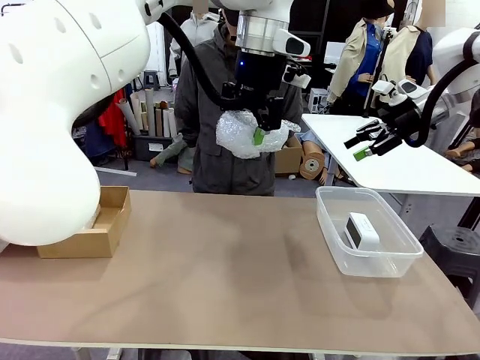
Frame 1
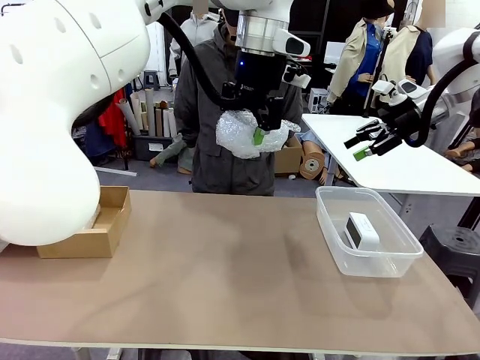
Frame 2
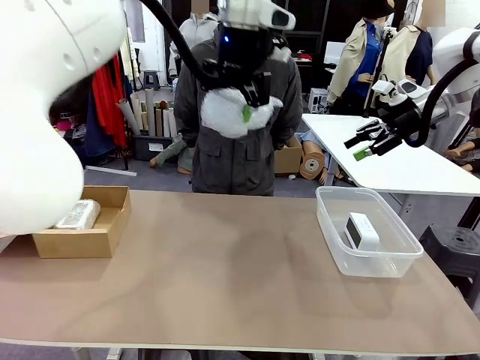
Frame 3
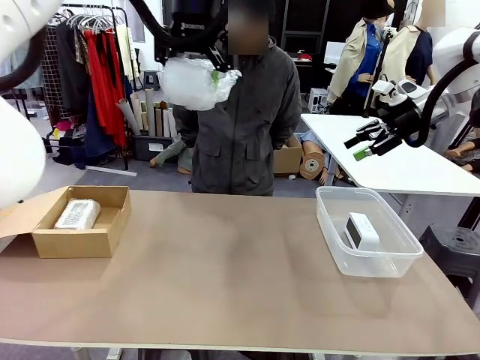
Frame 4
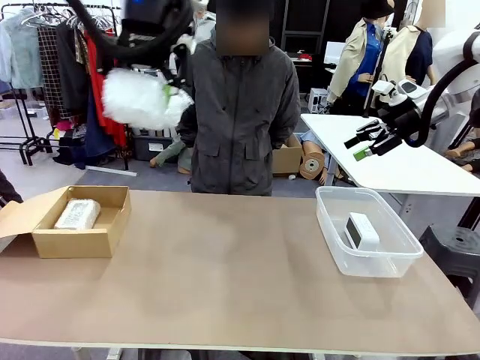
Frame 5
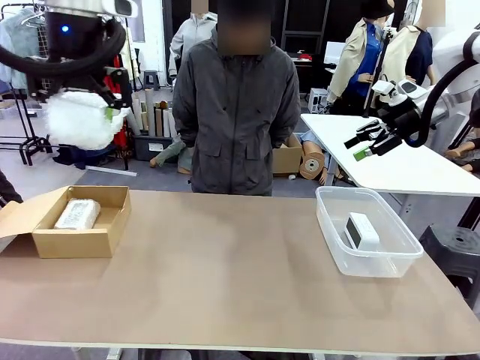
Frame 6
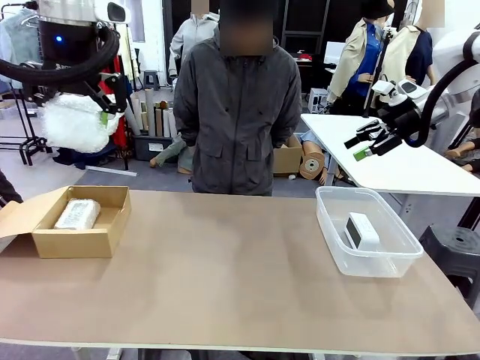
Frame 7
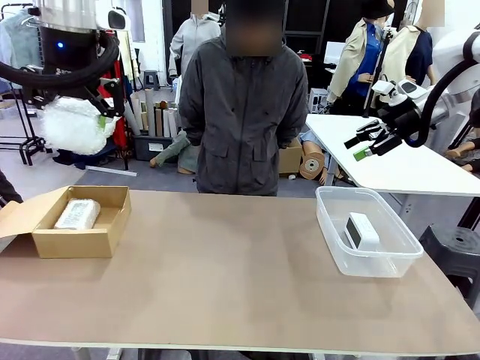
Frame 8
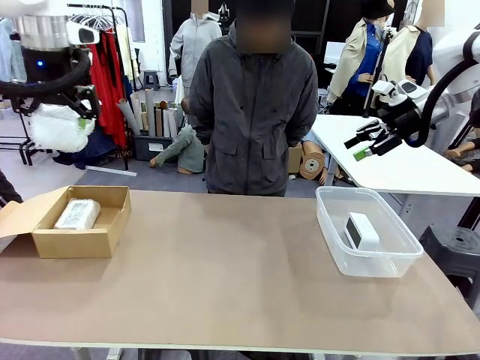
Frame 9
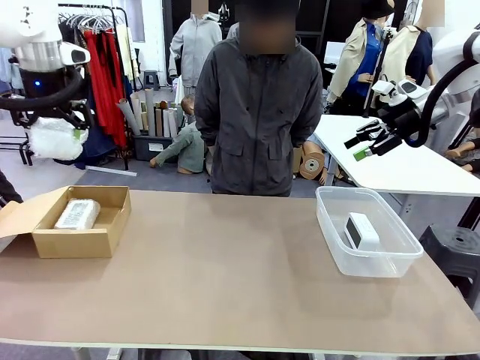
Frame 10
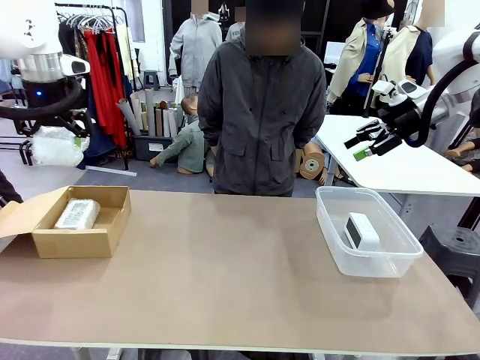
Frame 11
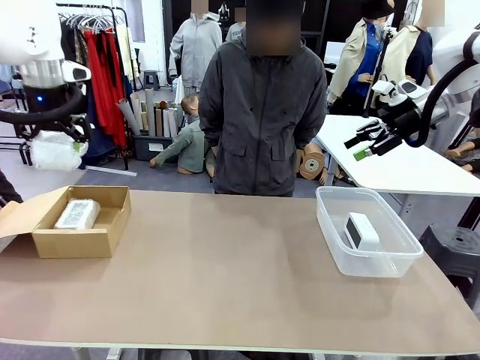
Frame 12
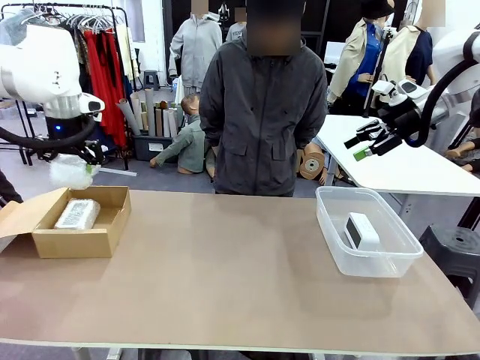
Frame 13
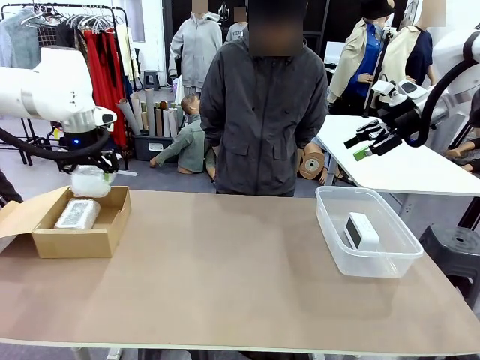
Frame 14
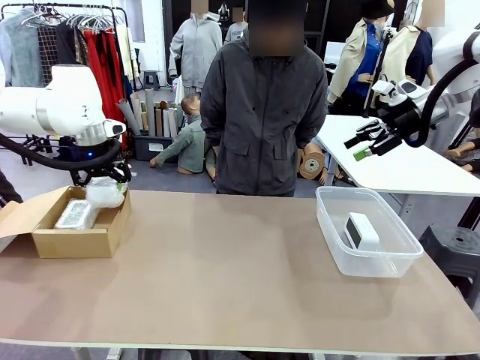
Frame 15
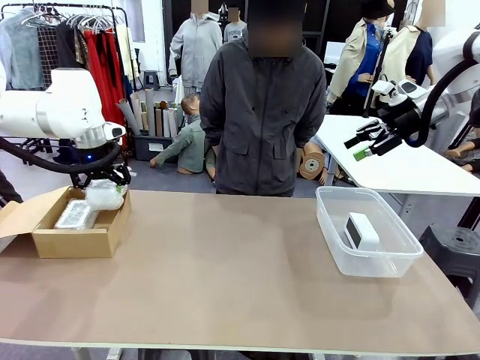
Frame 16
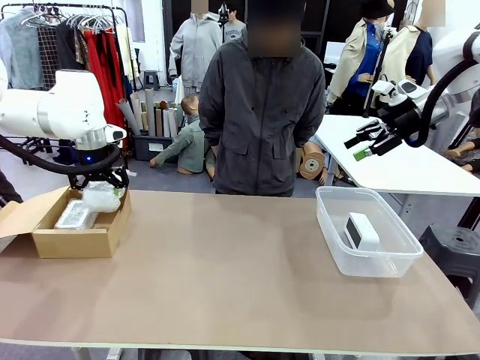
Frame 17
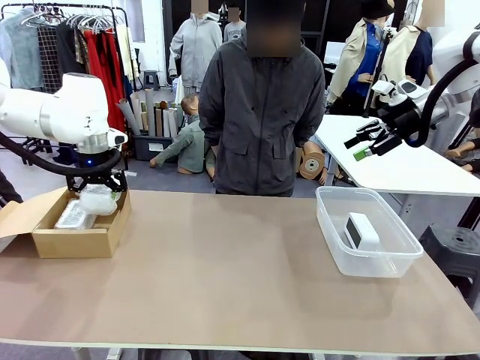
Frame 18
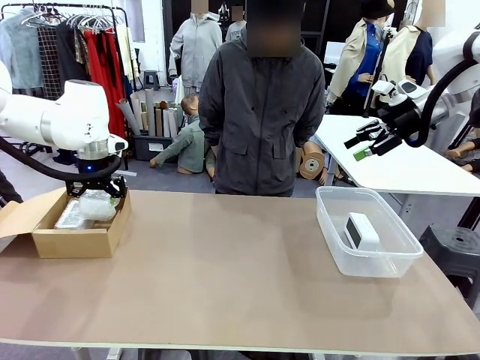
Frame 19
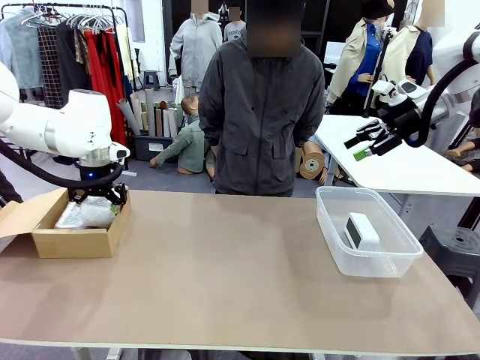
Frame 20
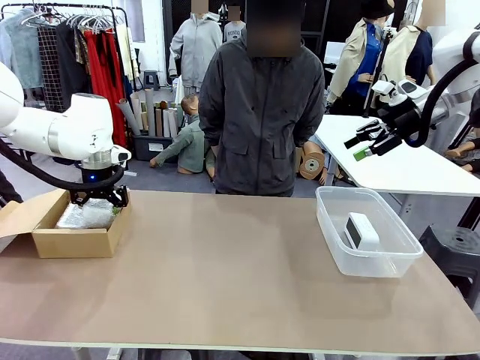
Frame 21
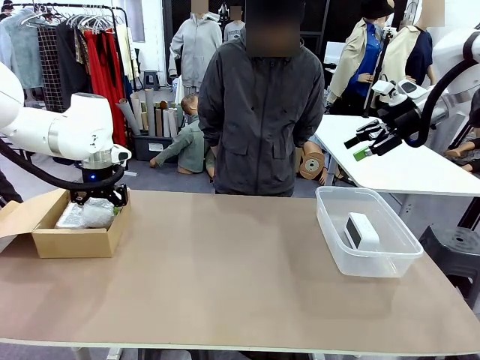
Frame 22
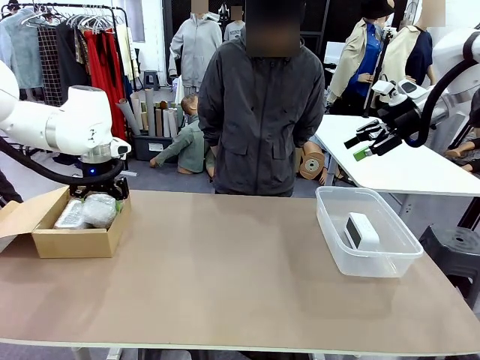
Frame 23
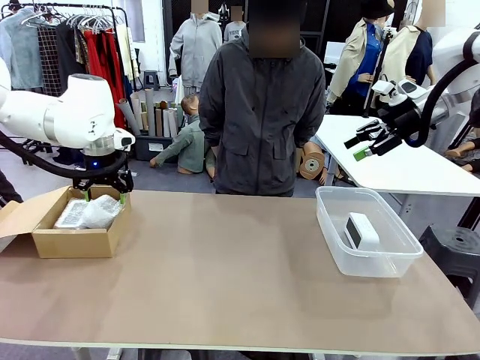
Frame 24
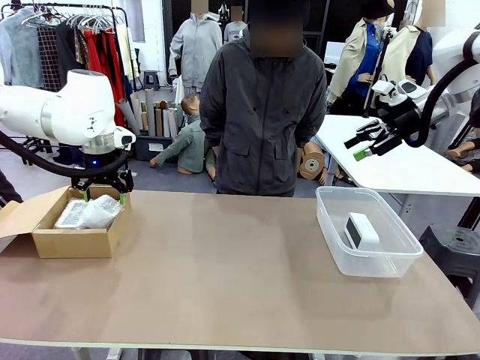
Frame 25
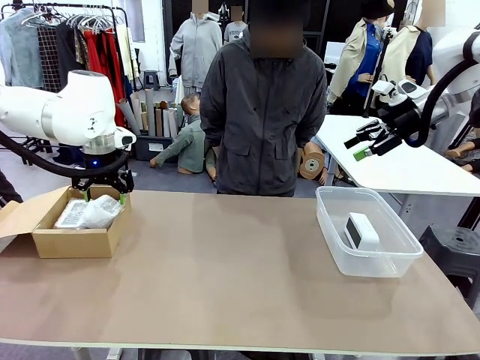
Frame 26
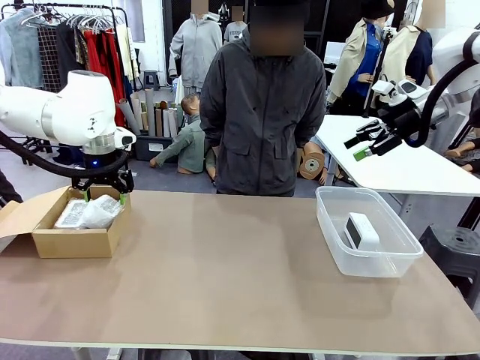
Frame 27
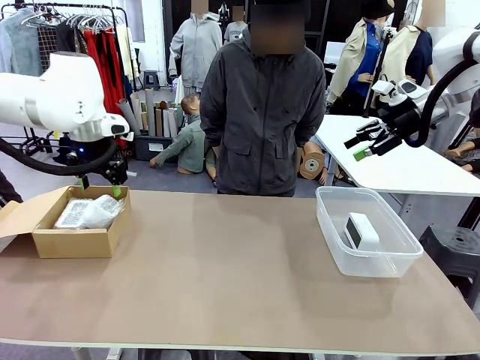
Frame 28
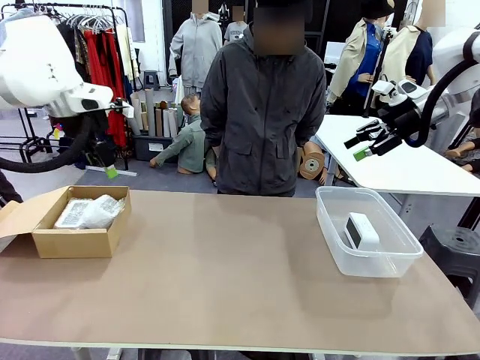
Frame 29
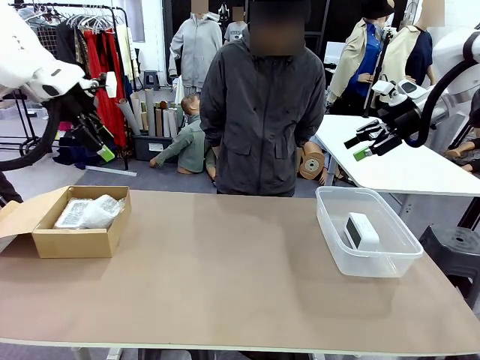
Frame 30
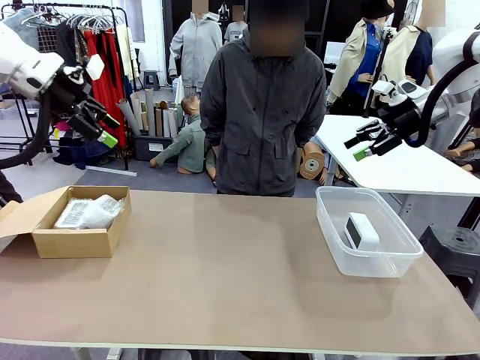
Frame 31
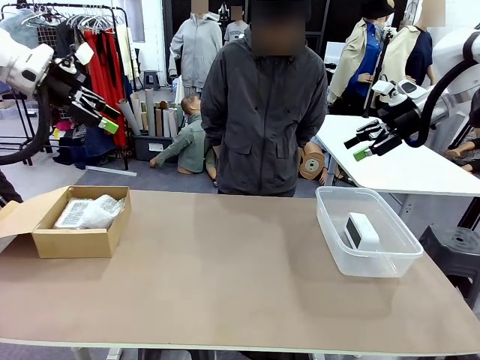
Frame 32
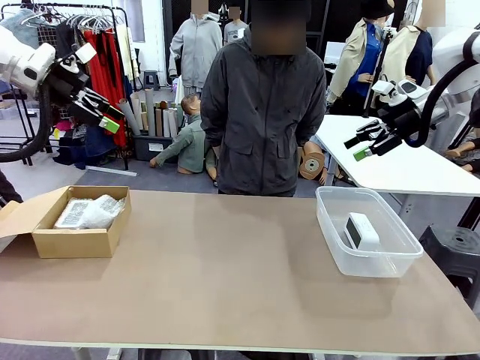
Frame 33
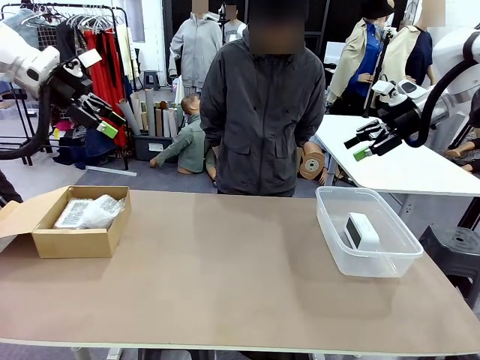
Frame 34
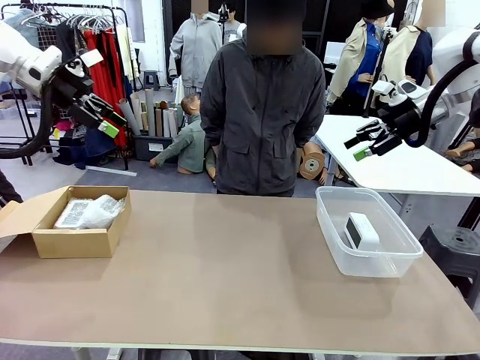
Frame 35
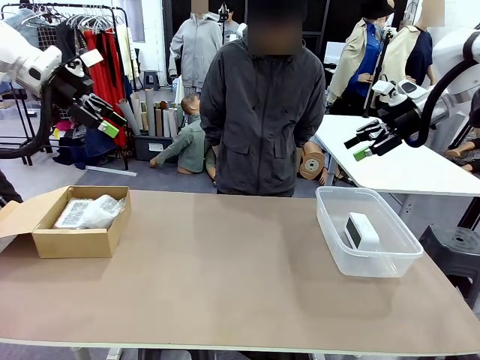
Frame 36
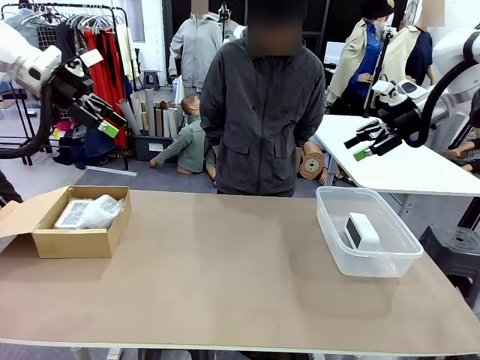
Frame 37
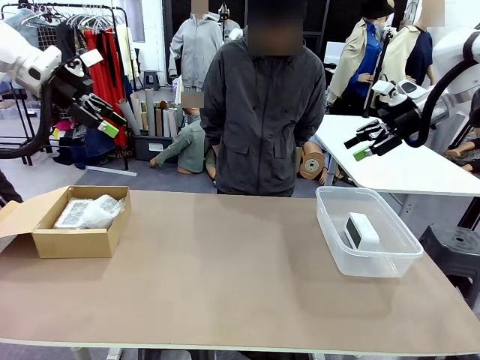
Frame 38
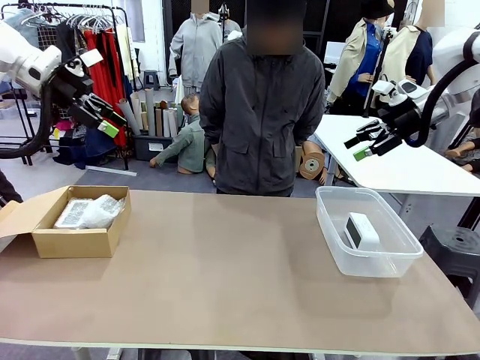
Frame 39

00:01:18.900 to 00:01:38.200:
Task: Separate and place wrapped and unwrapped clocks.
Robot: If the picked Digital clock is wrapped, place it in the Package Box ; if not, place it in the Organizing box.
